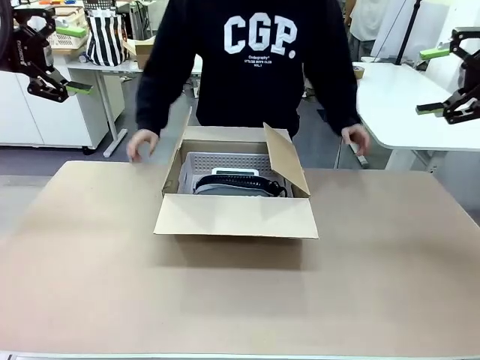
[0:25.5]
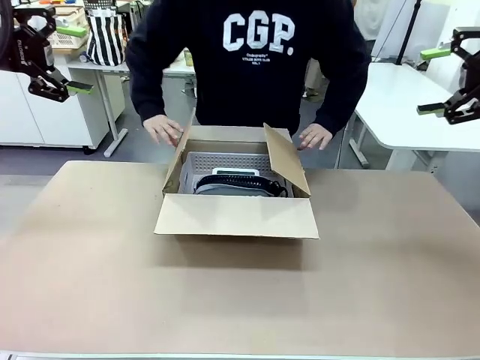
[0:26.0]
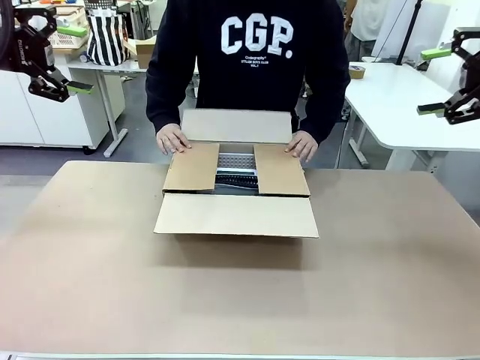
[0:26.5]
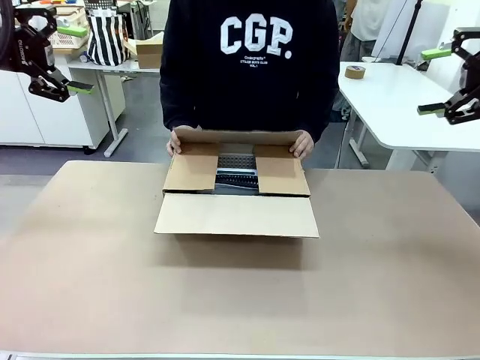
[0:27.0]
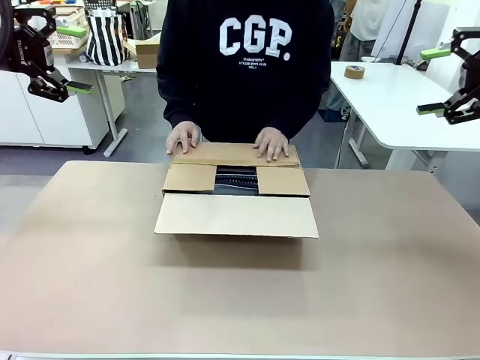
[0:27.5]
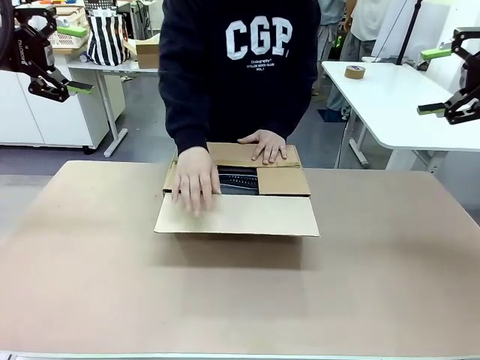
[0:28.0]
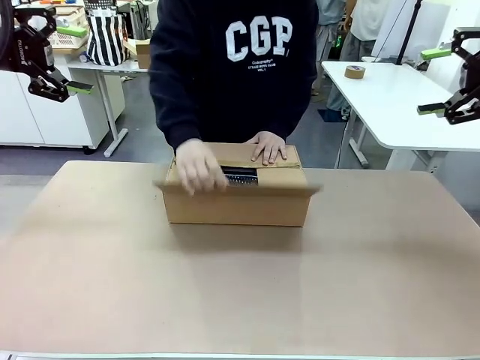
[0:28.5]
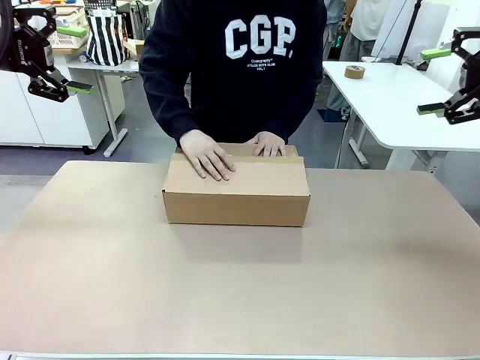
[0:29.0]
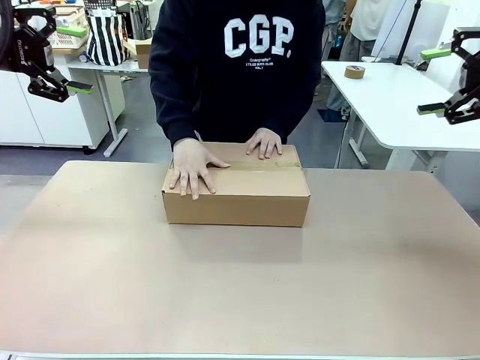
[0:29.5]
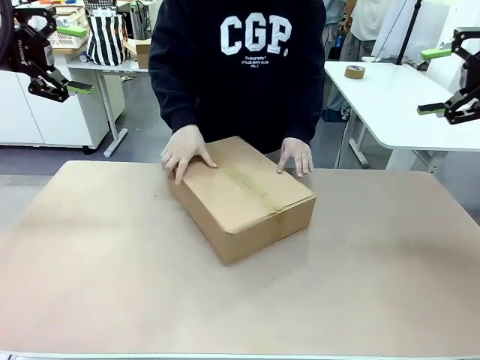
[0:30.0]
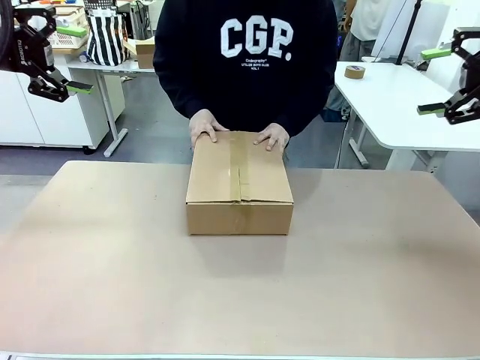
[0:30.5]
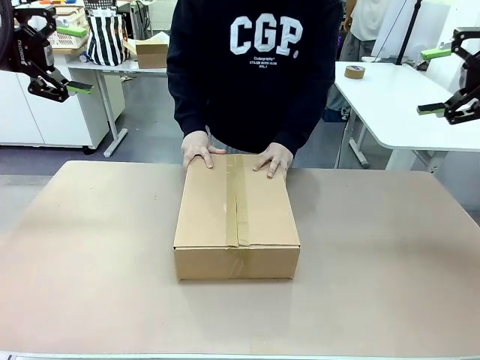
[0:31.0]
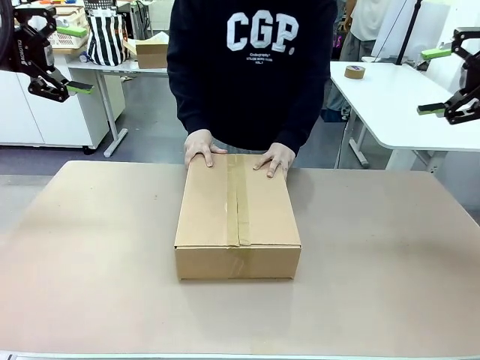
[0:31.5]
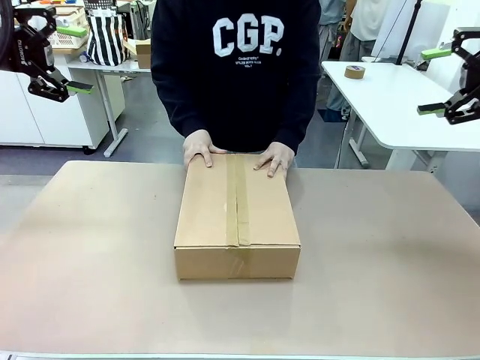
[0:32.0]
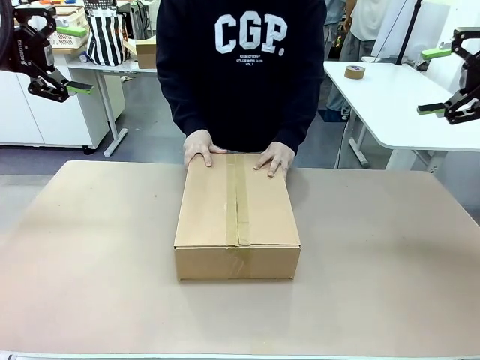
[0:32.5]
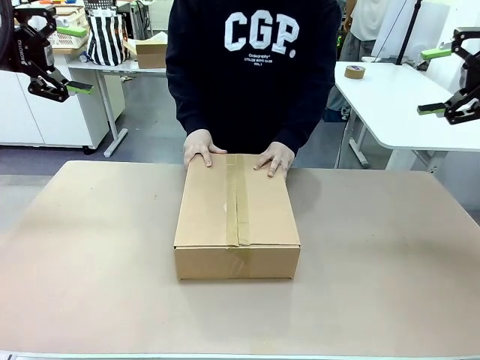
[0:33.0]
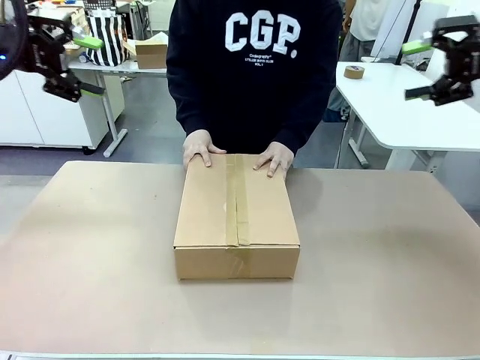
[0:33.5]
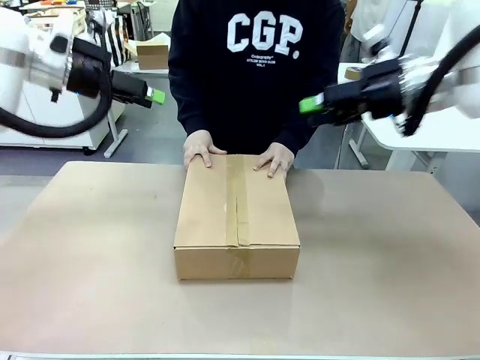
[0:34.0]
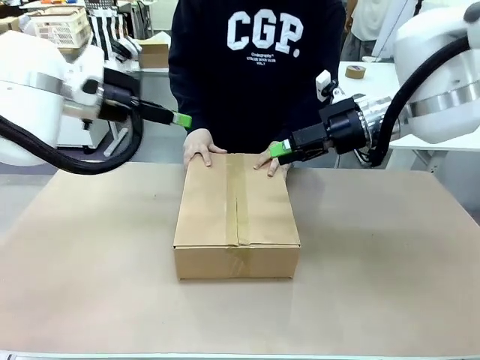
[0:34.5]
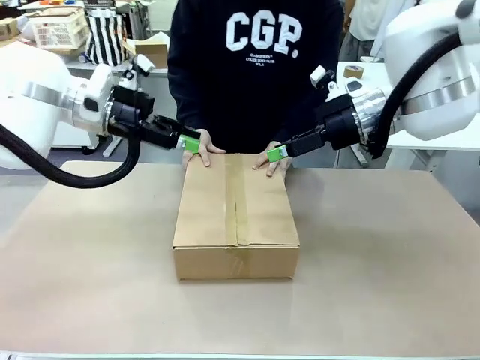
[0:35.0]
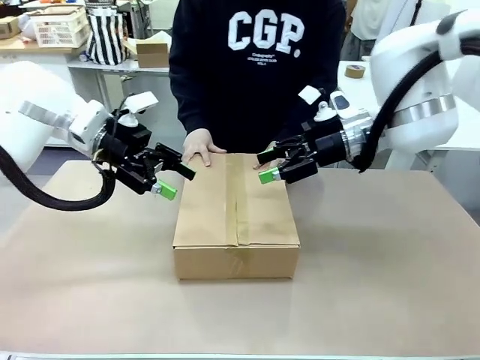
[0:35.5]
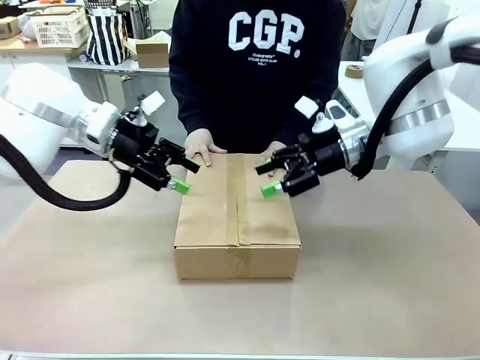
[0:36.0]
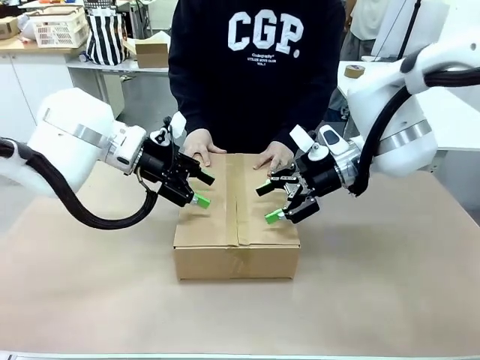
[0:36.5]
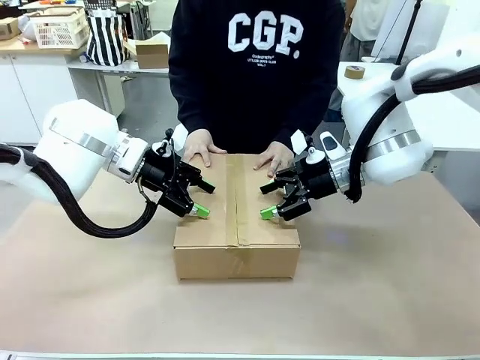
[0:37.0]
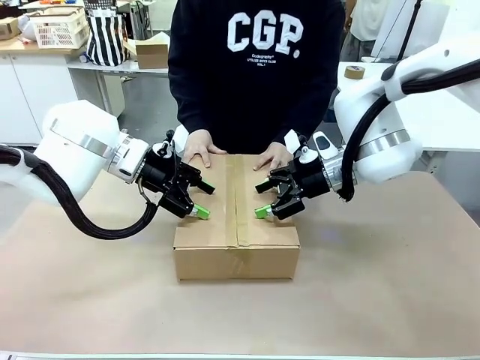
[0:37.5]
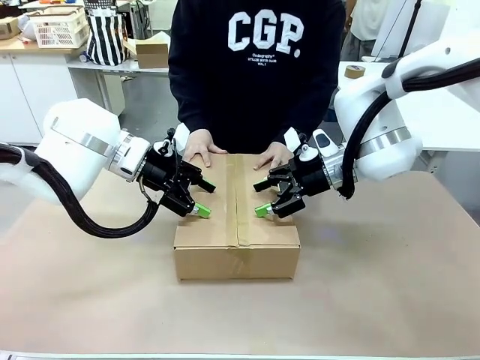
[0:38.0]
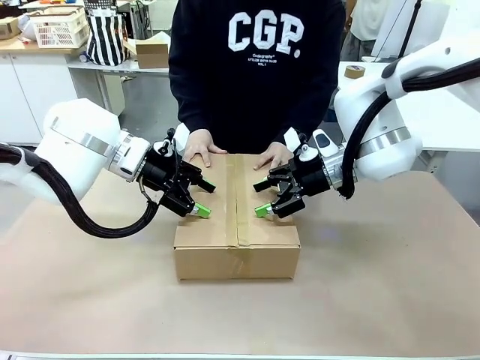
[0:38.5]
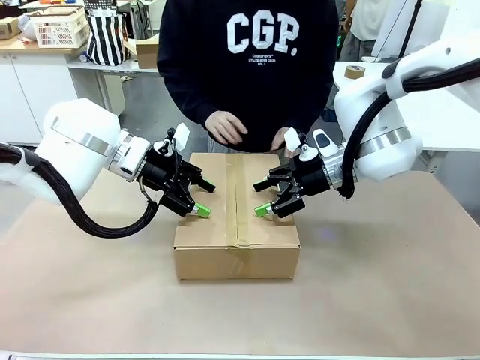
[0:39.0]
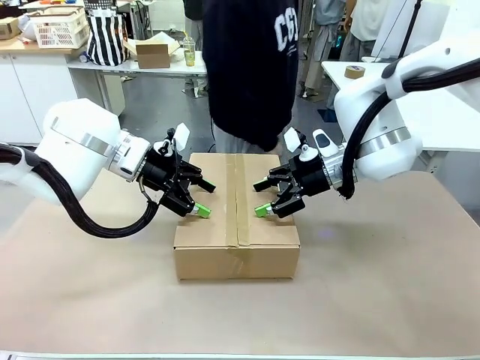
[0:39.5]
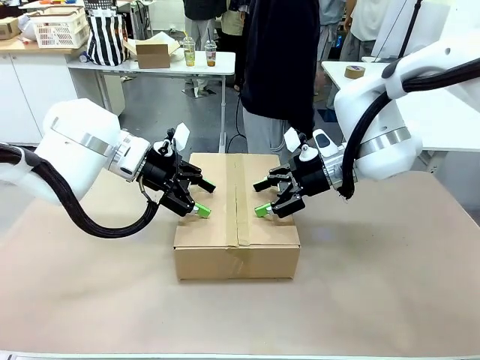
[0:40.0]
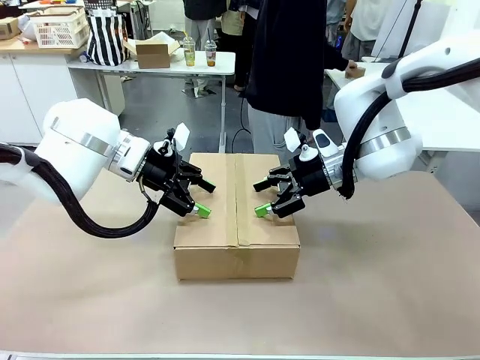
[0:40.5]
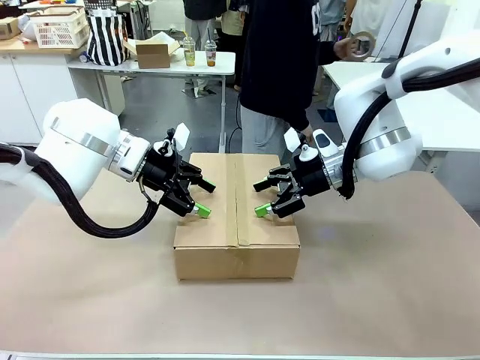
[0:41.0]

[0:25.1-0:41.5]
Task: Pack the gift set into the box.
Robot: Press and hold the closed box until the human finishes sealing it.
Person: The human closes the box and rotates the box by 90 degrees.

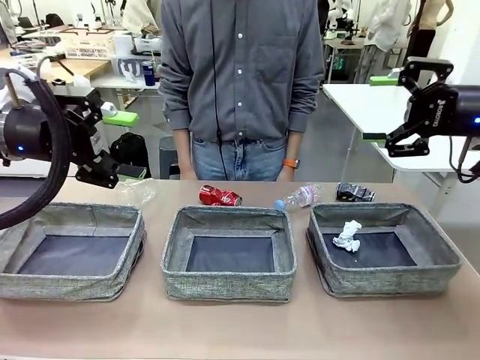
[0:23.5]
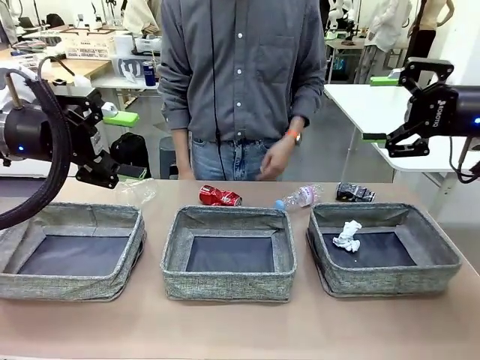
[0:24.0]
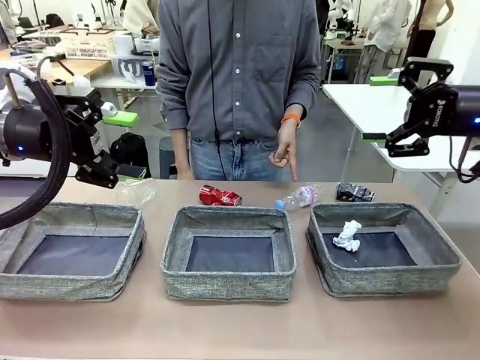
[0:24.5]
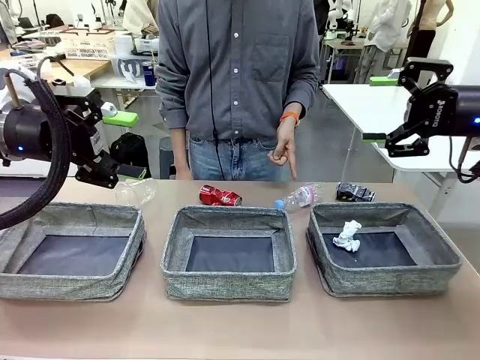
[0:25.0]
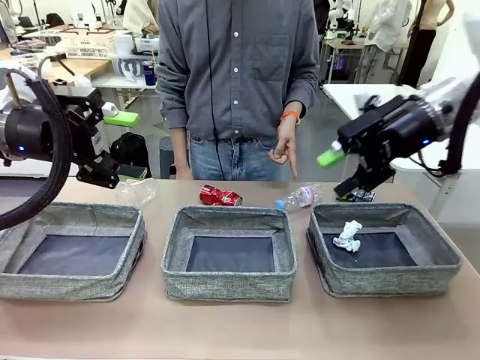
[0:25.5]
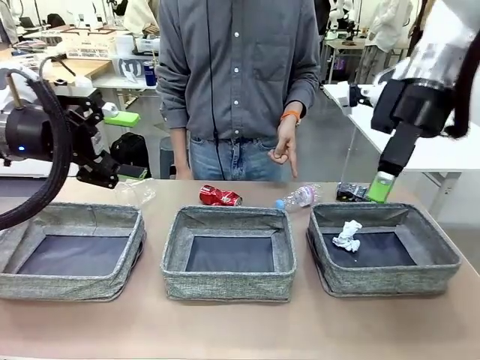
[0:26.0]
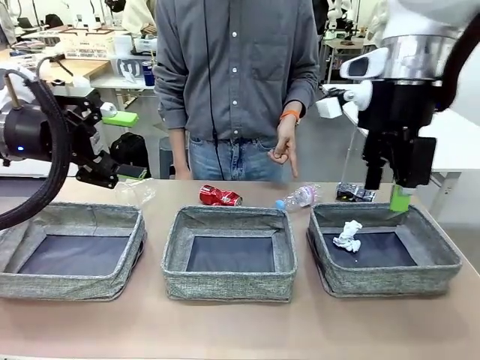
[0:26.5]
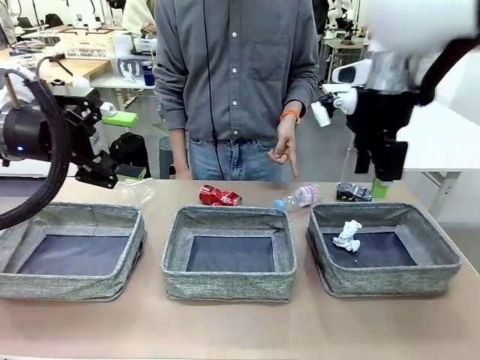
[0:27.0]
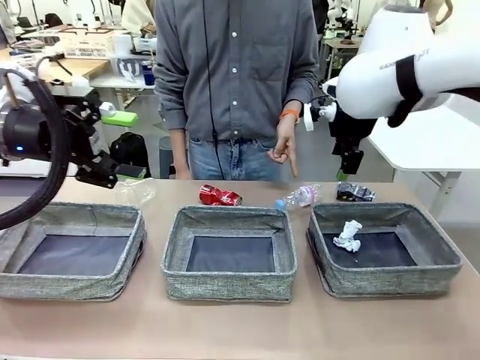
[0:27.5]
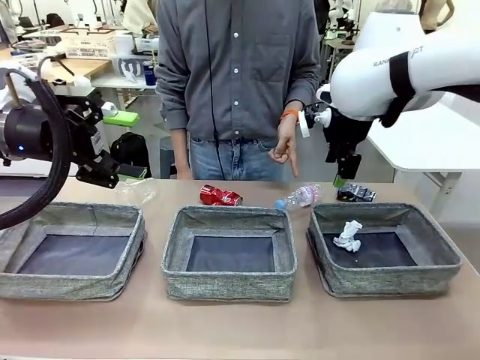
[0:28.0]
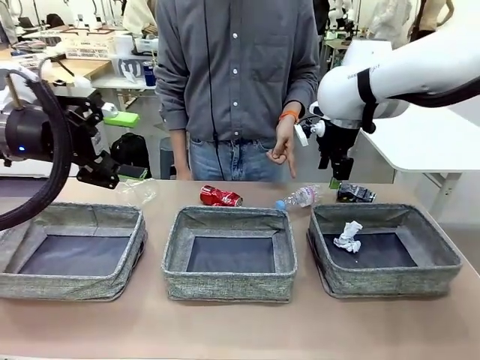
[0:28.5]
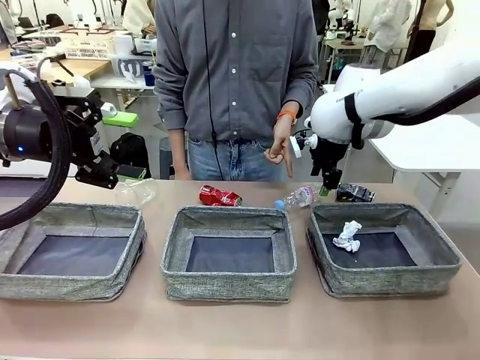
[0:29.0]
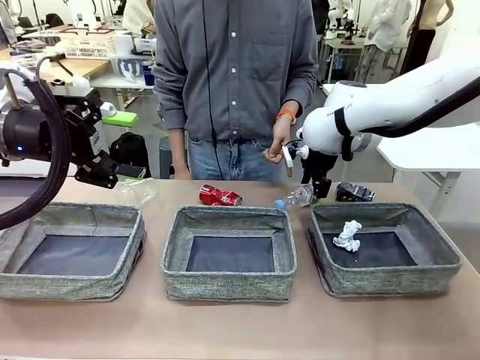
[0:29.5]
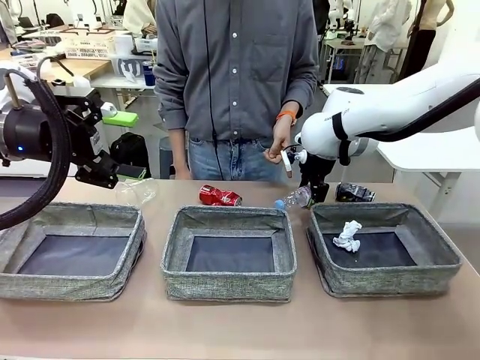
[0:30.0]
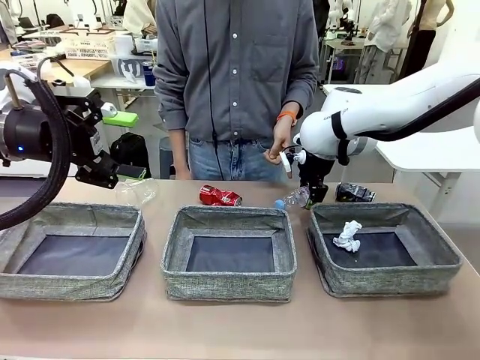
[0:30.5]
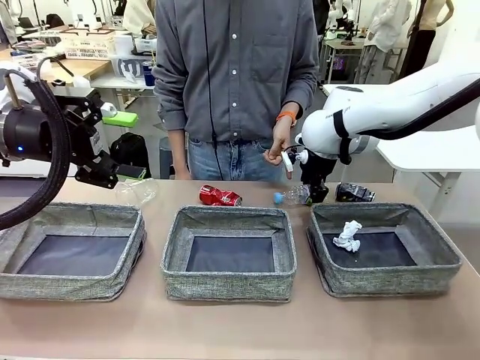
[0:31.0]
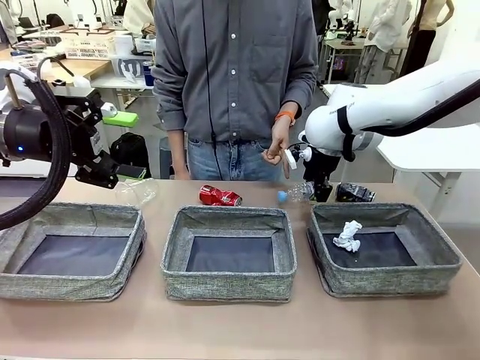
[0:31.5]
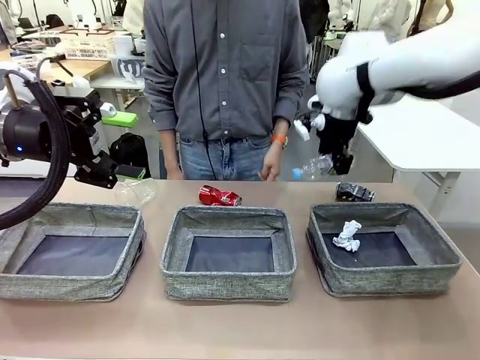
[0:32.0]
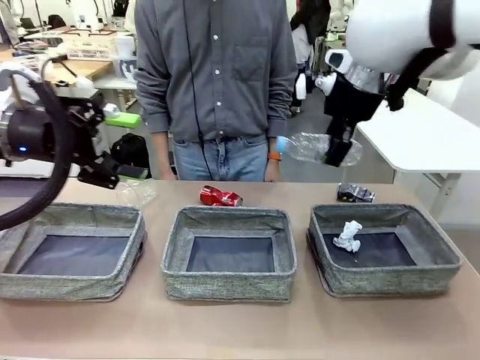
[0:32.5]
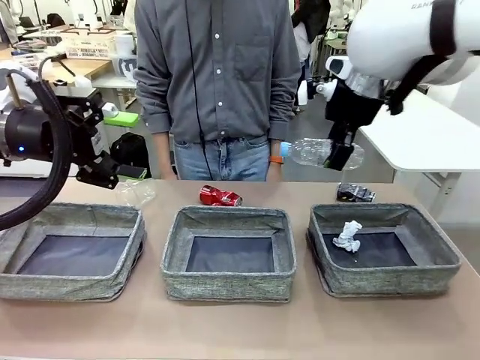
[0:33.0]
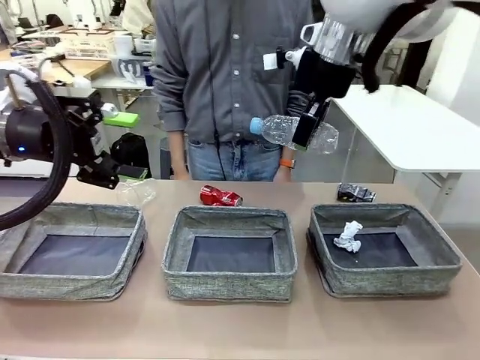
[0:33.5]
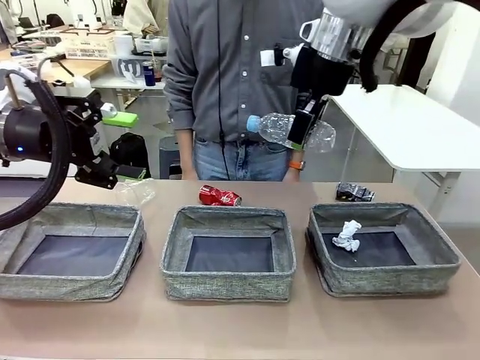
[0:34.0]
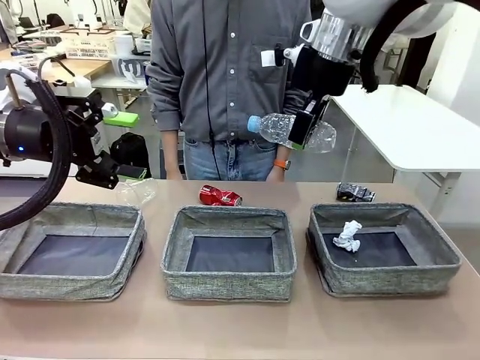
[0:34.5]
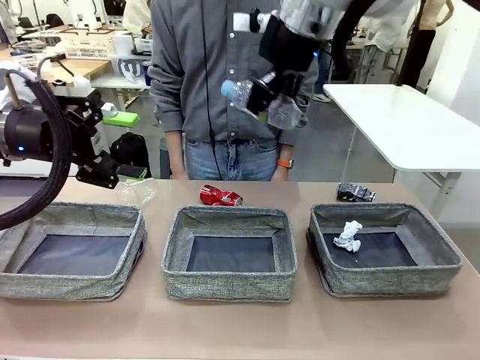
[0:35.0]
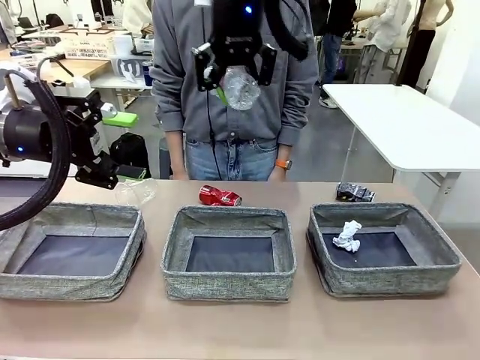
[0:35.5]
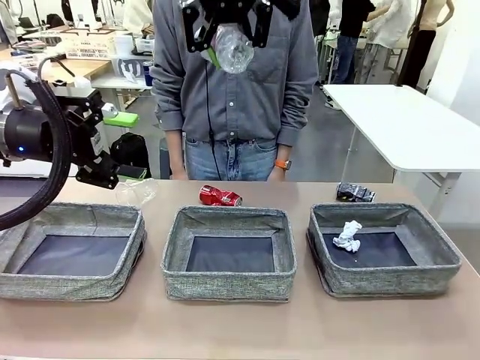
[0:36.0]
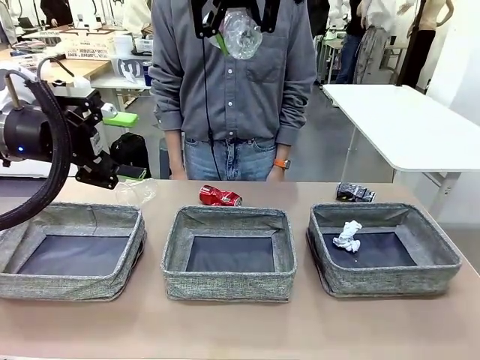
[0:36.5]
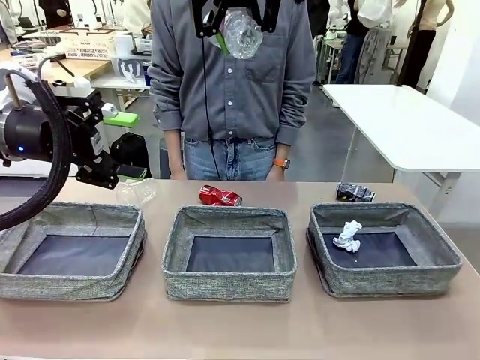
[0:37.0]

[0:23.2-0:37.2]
Task: Sort the waste into the appropriate baskets.
Robot: Pick up the waste item pointed out by the person.
Person: Points to one piece of trash on the table.
